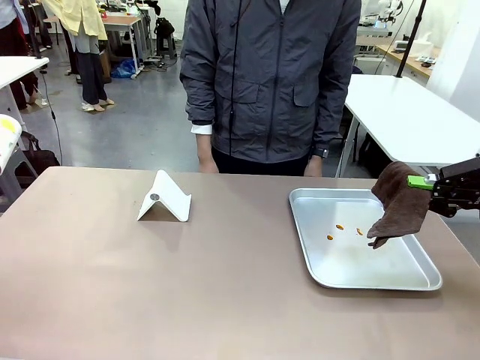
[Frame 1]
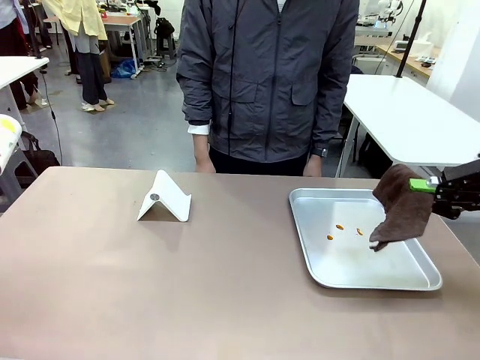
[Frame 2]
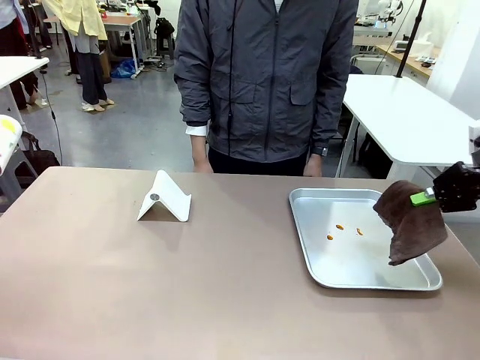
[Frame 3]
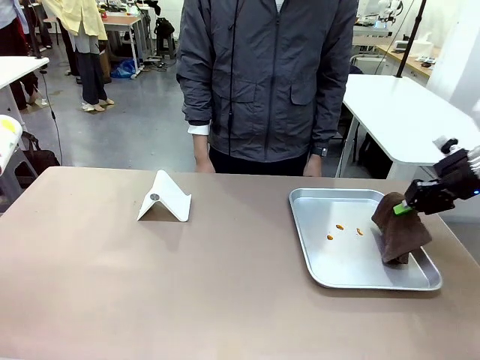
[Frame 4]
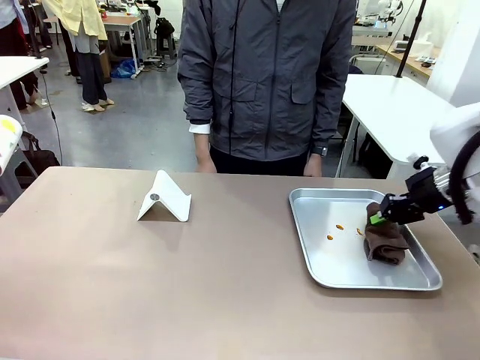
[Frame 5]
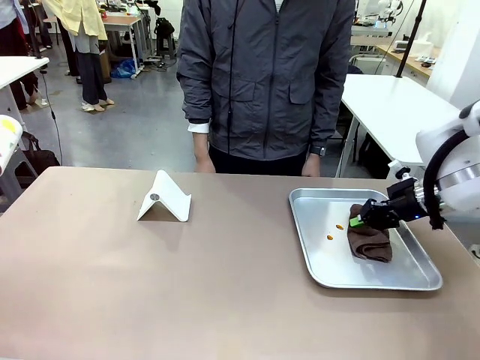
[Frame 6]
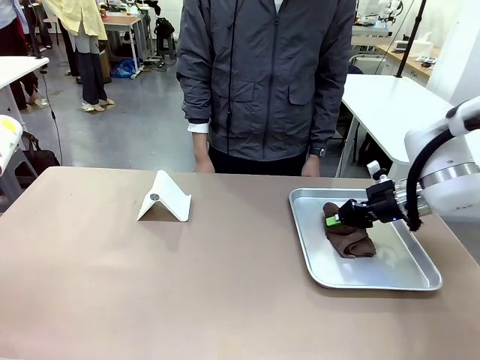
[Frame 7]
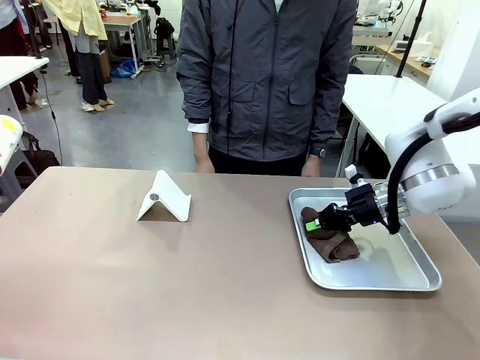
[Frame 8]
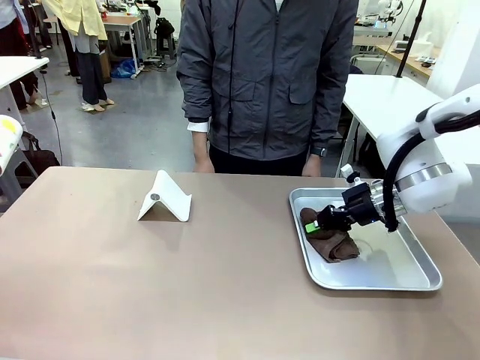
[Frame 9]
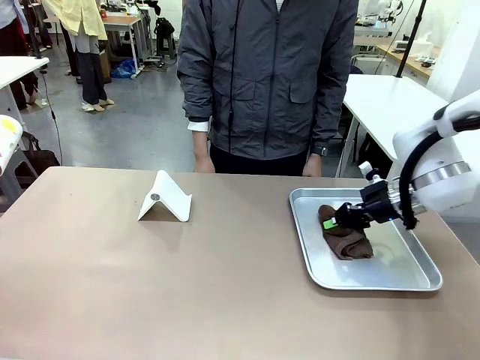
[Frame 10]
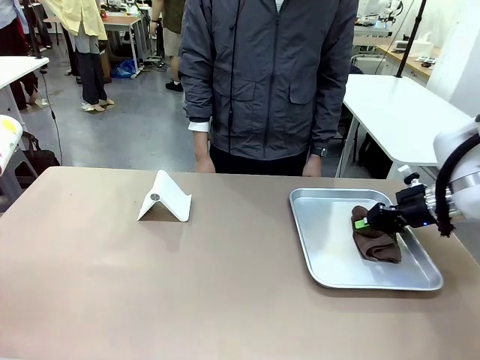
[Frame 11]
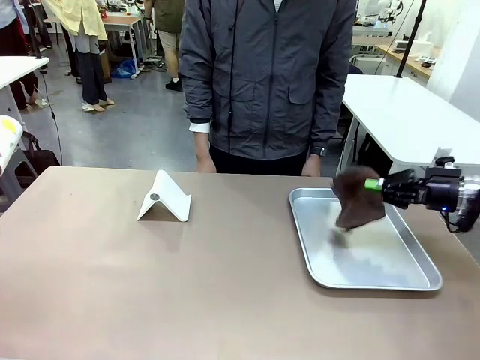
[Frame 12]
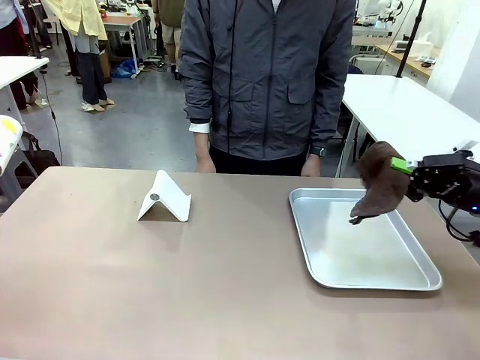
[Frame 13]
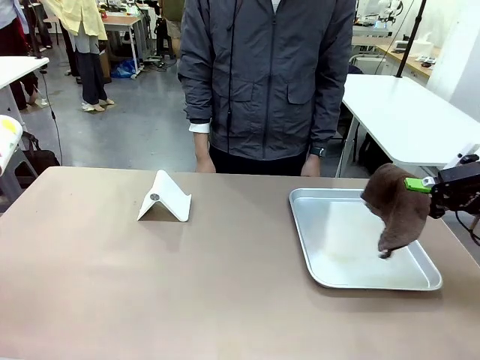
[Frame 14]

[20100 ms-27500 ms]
Task: Clean the surface of the table.
Robot: Clean the area not pointed to by the person.

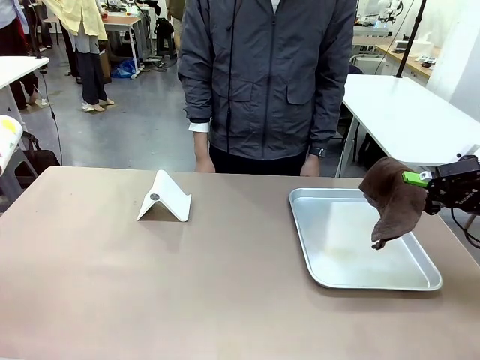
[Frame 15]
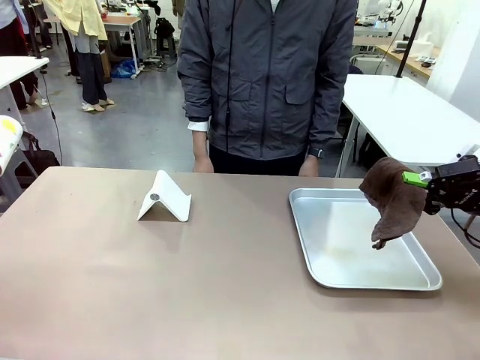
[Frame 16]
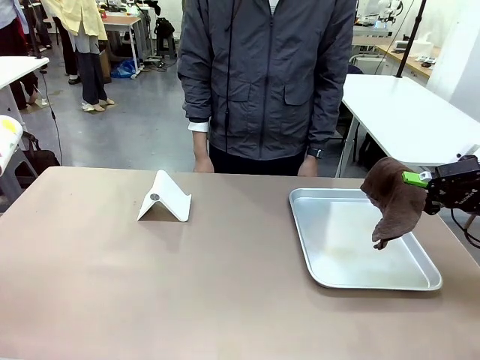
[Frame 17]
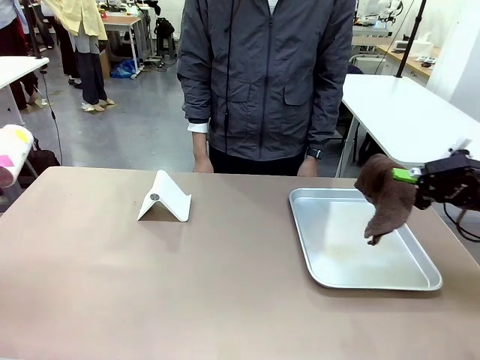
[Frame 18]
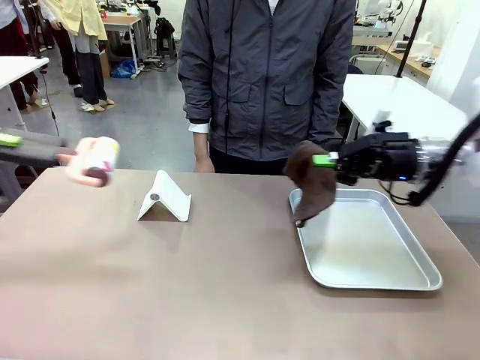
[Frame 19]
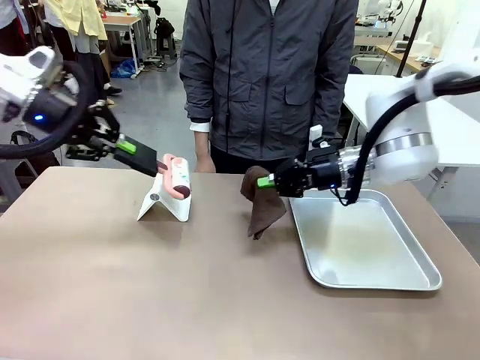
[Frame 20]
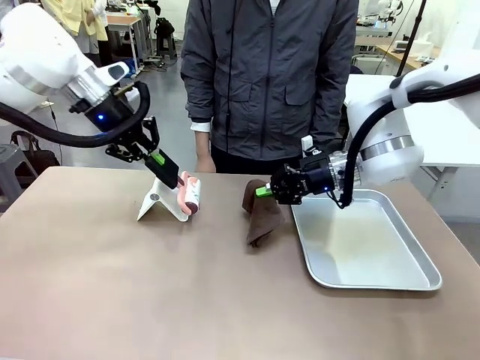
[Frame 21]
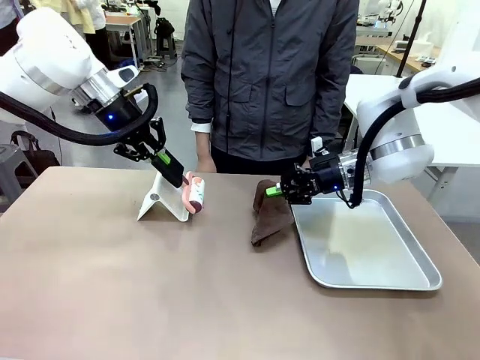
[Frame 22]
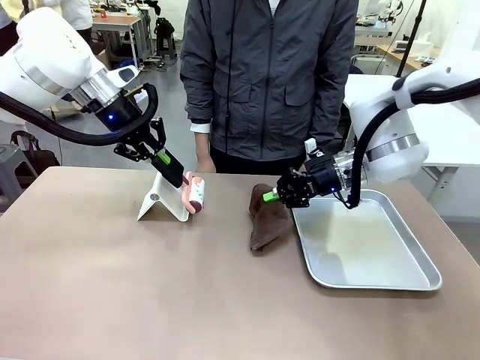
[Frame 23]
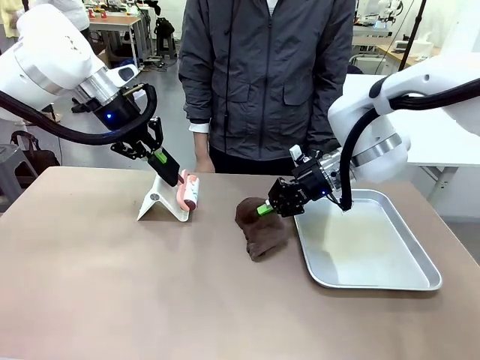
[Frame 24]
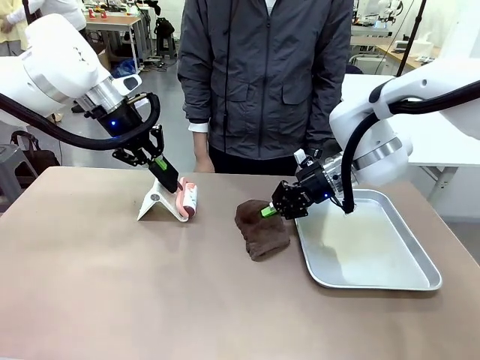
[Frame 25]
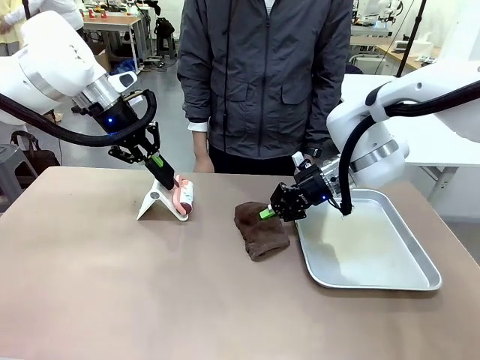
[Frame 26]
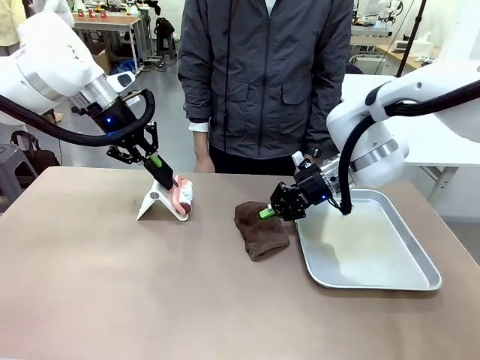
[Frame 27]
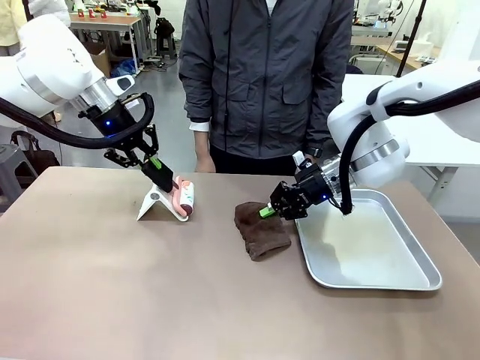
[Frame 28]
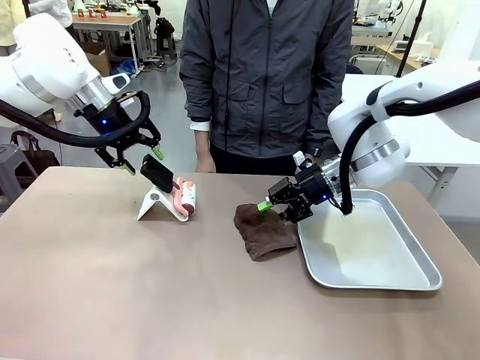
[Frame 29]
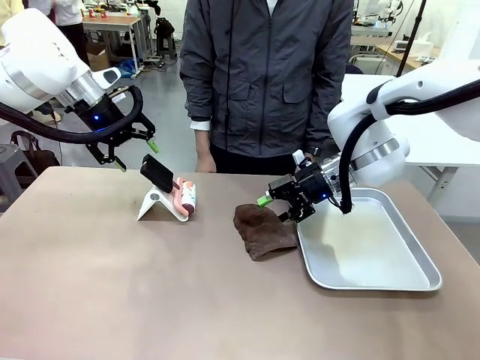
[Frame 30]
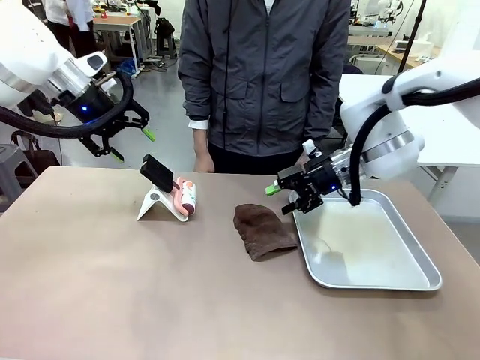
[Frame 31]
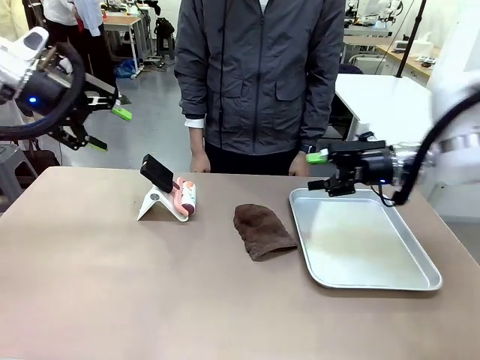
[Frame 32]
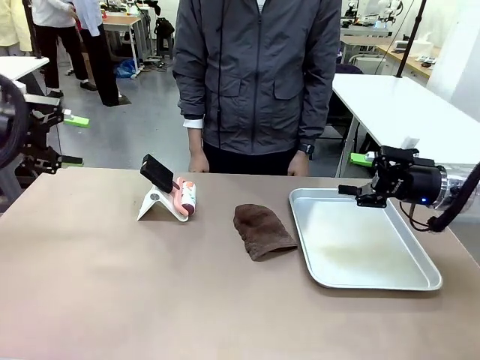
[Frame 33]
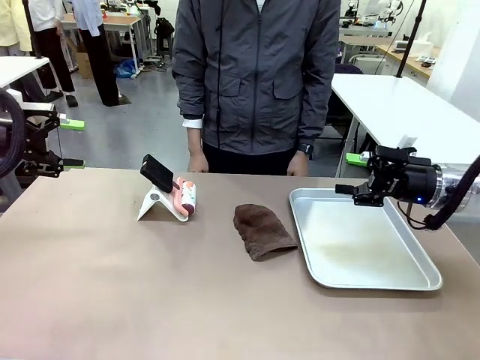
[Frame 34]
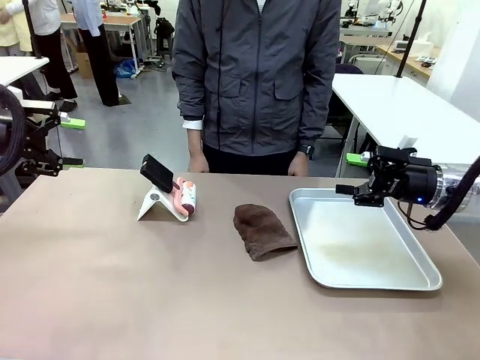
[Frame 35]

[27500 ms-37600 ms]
Robot: Return the Lint Roller and towel to their original positions.

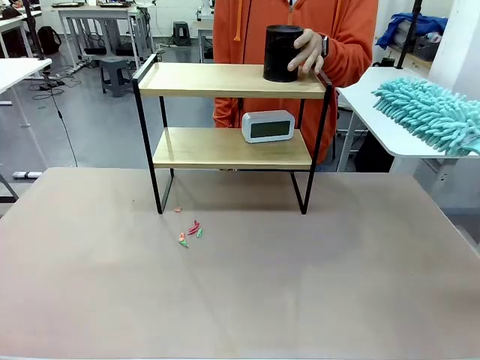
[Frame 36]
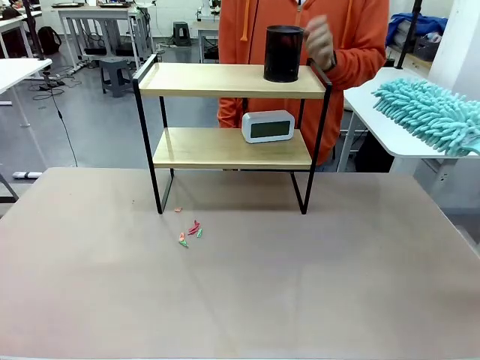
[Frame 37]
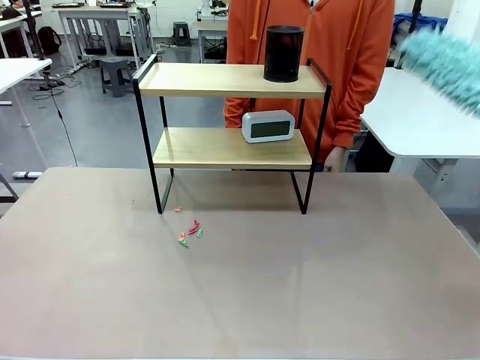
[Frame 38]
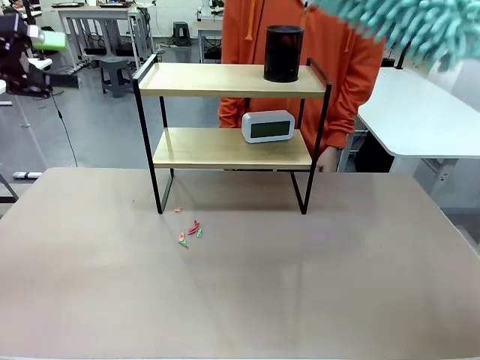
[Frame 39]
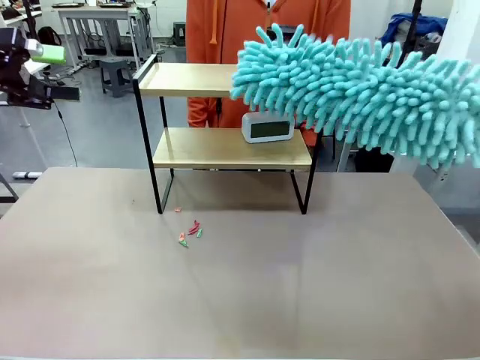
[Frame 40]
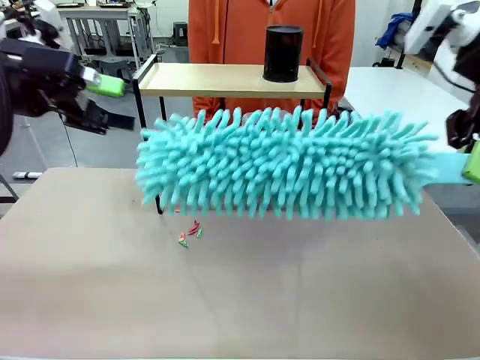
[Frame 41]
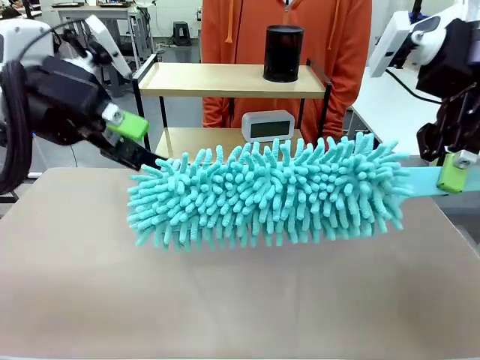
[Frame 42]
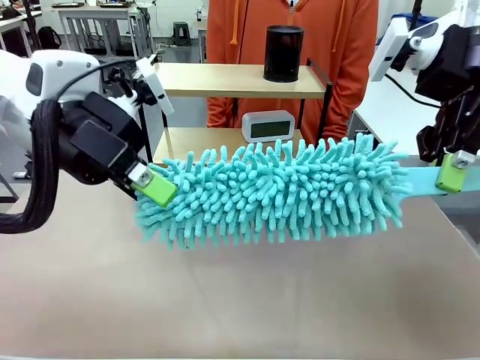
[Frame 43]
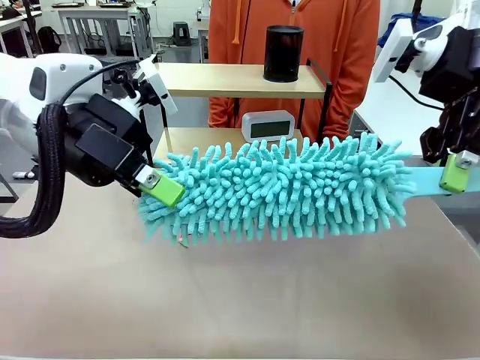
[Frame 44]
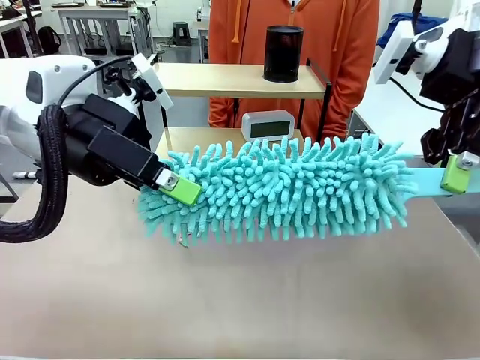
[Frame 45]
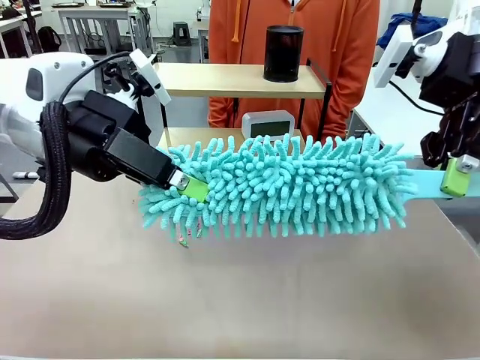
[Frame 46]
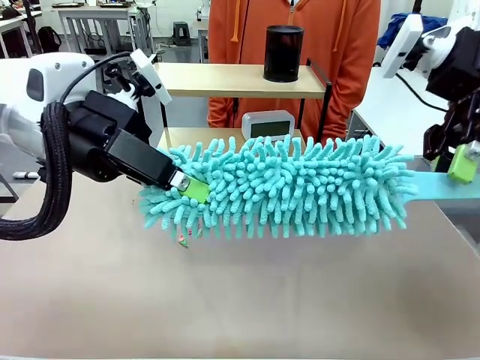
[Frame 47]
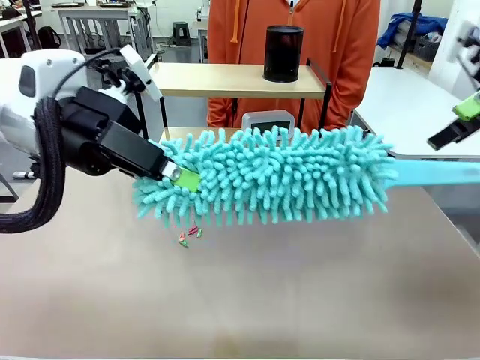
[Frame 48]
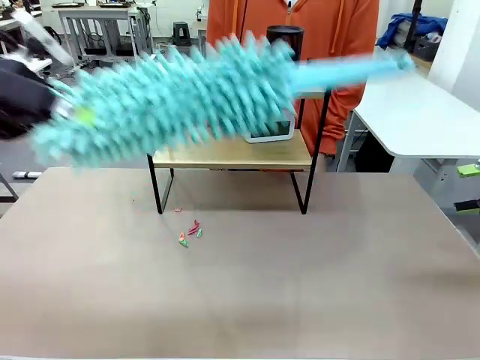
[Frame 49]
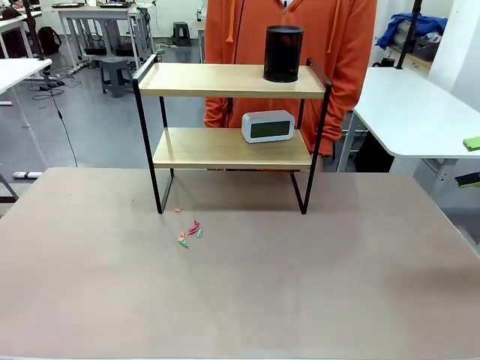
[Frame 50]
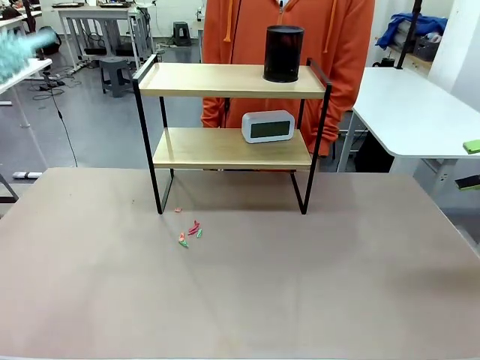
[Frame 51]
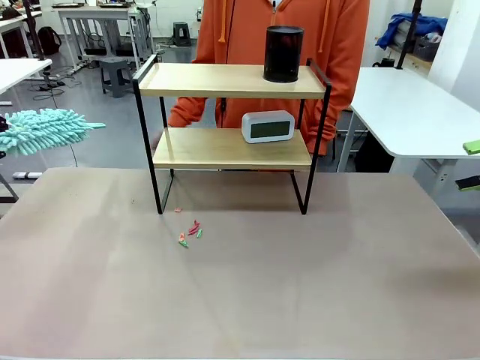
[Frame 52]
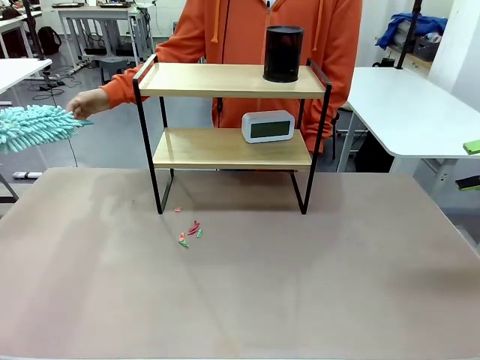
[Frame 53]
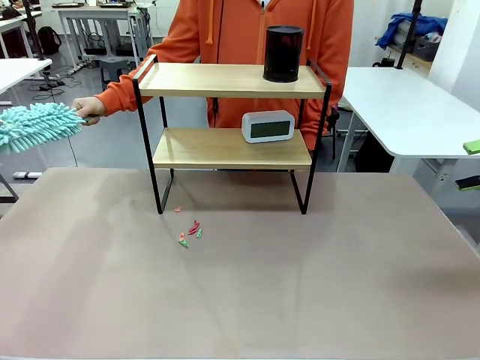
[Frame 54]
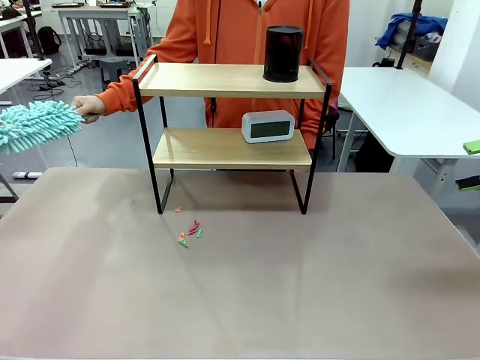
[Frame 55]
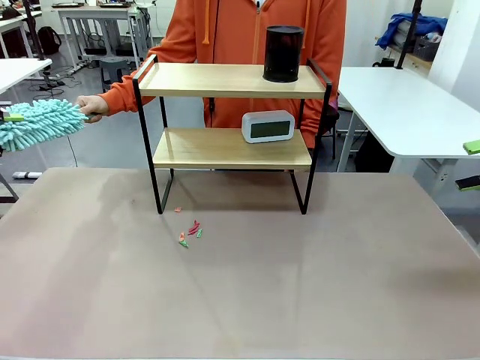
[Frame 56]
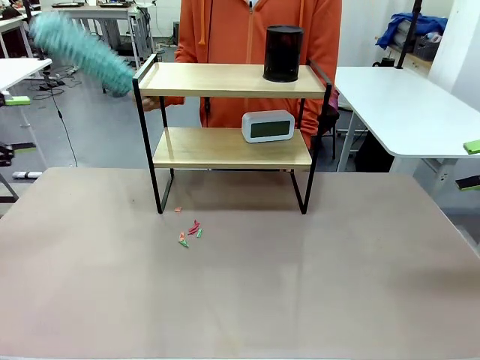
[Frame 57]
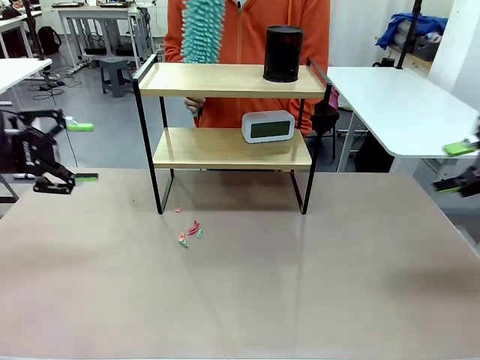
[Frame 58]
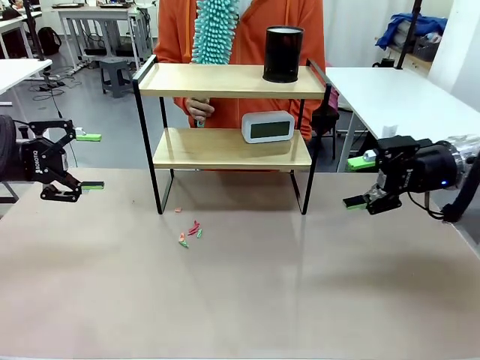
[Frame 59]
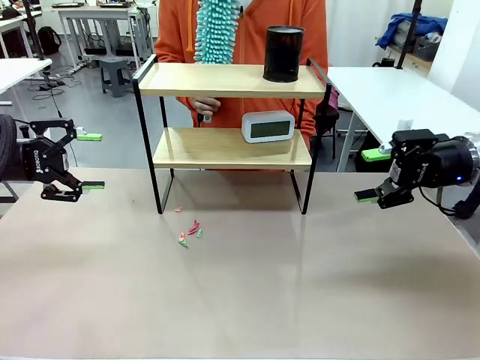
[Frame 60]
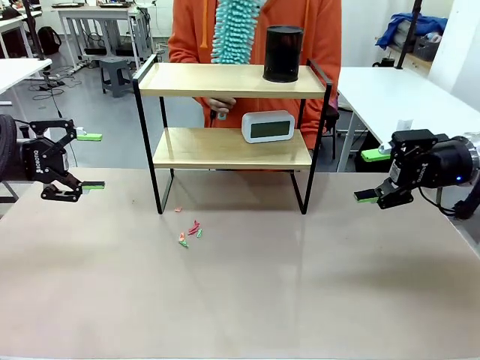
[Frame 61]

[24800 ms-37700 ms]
Task: Clean the shelf.
Robot: Hand the Duster back to the human.
Person: Receive the Duster from the robot.
